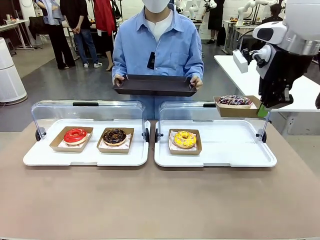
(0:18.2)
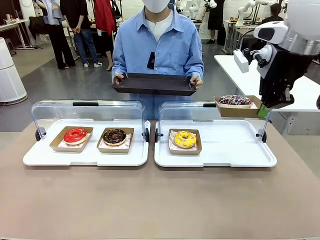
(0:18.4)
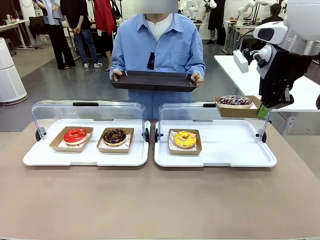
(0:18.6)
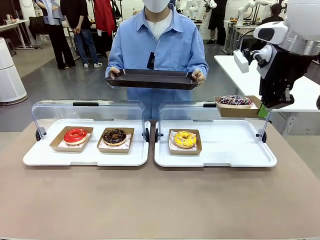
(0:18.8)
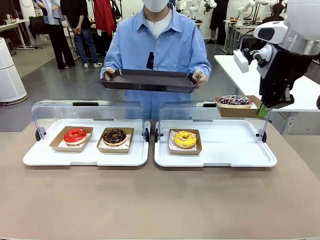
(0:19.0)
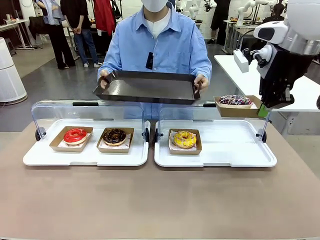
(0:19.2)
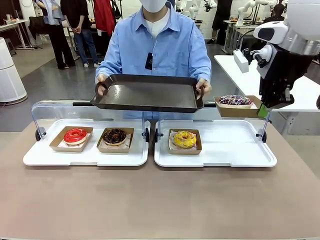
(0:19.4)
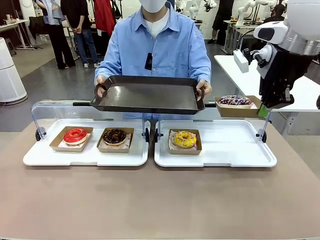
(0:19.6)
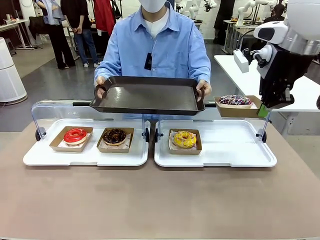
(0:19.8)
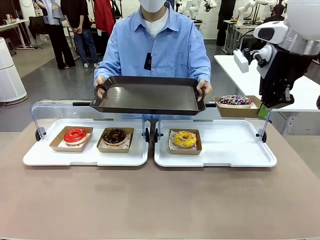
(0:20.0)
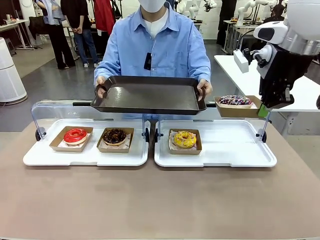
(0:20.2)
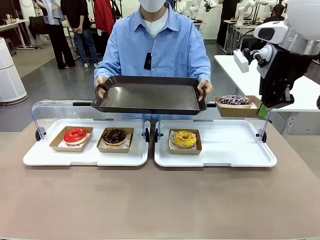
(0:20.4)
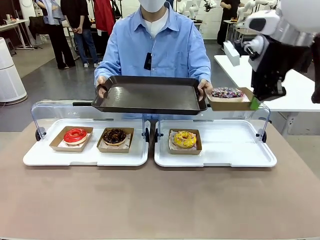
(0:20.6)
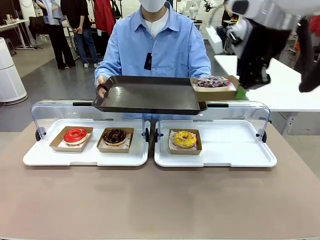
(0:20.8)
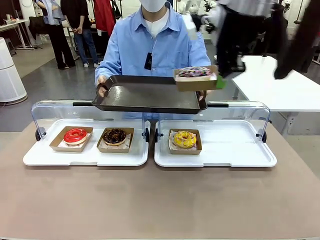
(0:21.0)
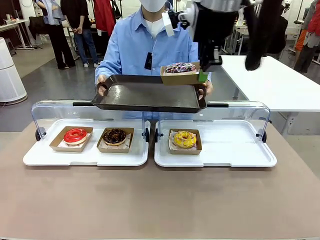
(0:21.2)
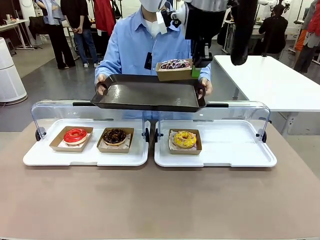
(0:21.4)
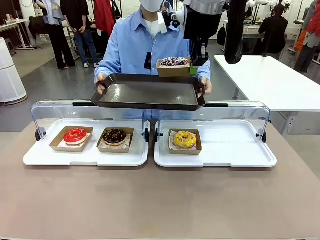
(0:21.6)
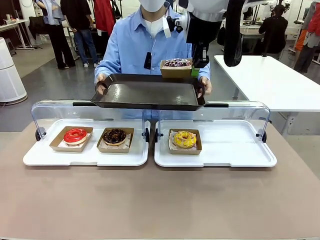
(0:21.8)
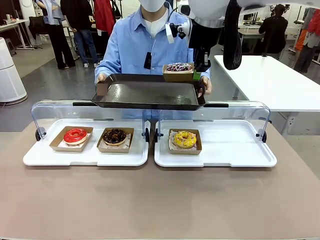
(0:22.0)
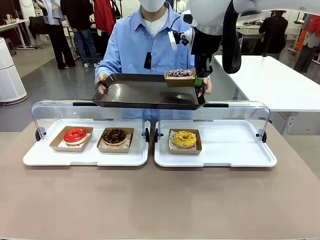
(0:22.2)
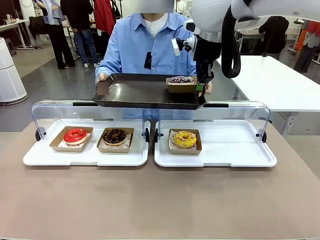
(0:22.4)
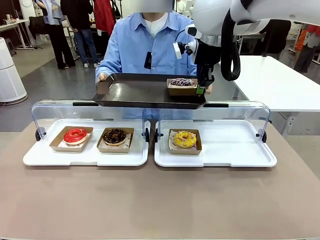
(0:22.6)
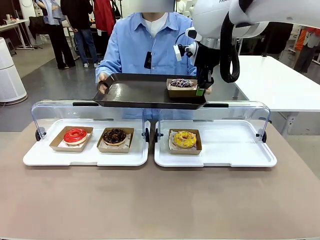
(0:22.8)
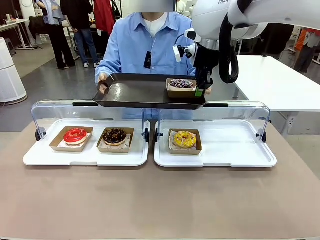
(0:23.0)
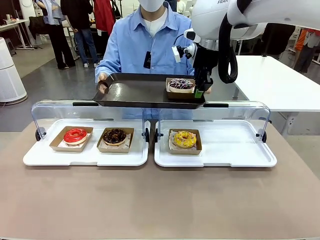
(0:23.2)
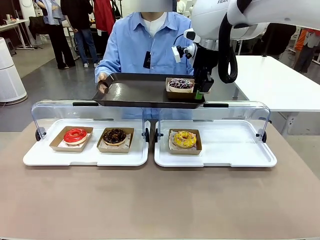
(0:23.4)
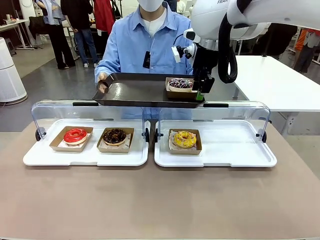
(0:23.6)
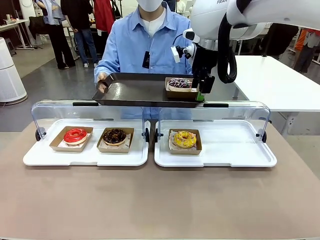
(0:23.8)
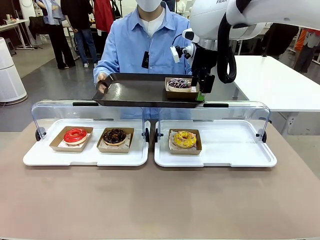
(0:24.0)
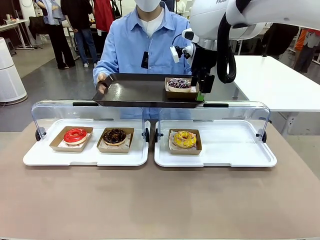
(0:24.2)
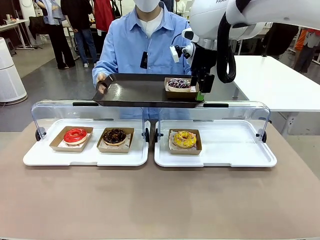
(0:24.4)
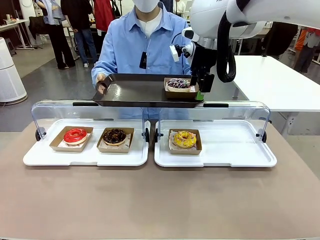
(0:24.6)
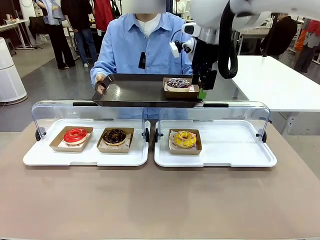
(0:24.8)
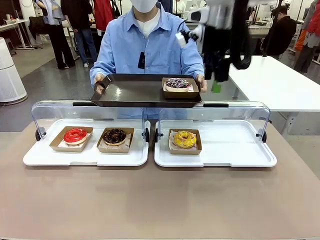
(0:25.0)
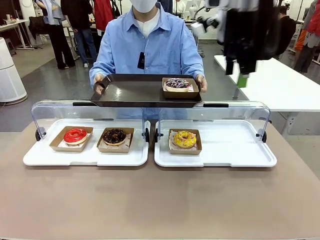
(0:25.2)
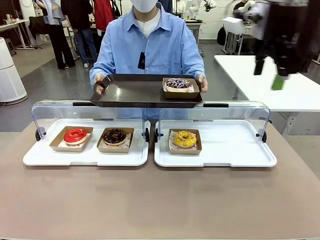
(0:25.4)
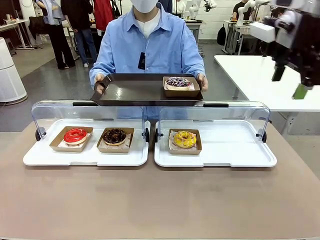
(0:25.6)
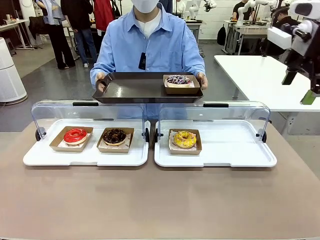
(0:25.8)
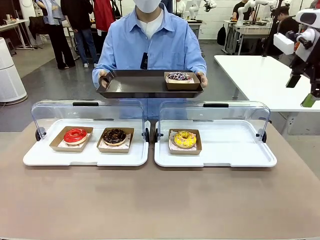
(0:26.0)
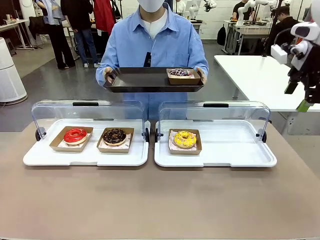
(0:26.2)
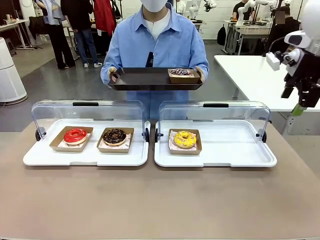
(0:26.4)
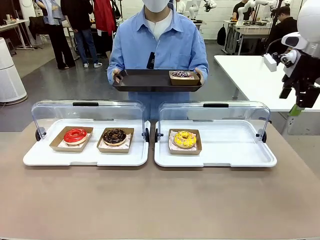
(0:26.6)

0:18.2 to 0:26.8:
Task: Provide the desired donut to the person.
Robot: Place the picked Paper togo box onto the Handle tray extended by the person.

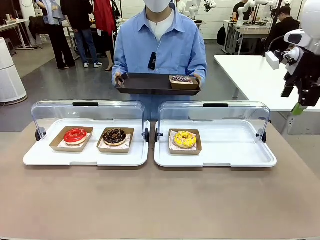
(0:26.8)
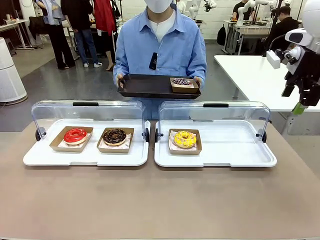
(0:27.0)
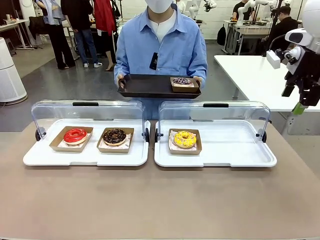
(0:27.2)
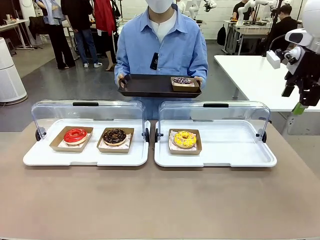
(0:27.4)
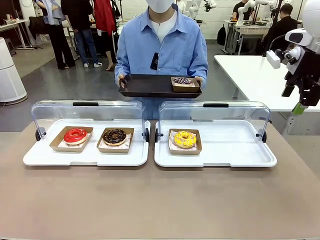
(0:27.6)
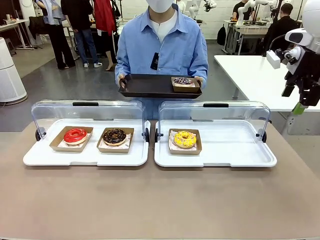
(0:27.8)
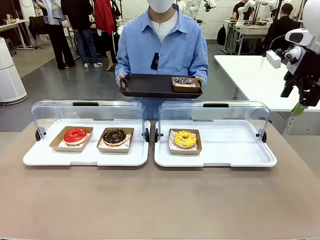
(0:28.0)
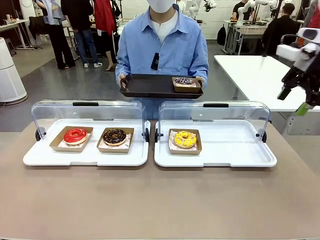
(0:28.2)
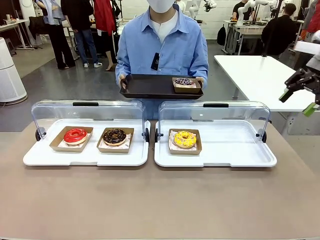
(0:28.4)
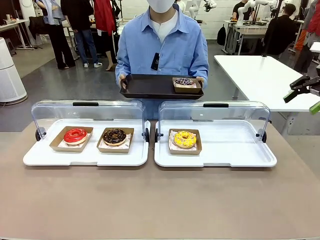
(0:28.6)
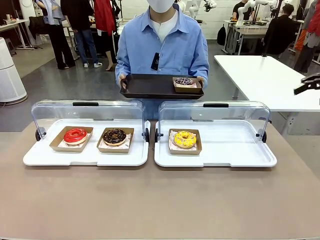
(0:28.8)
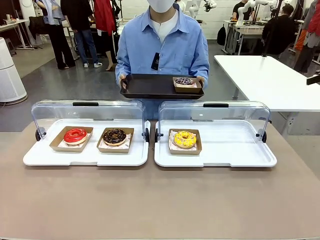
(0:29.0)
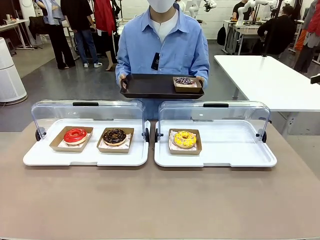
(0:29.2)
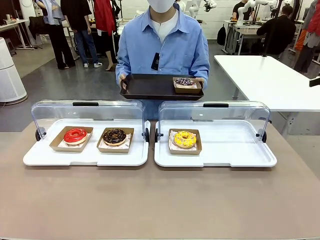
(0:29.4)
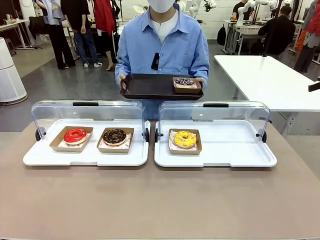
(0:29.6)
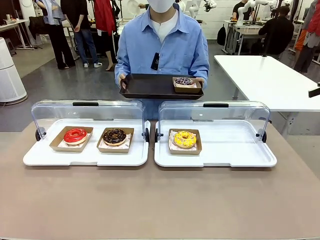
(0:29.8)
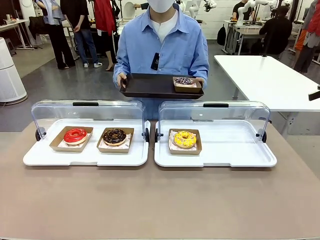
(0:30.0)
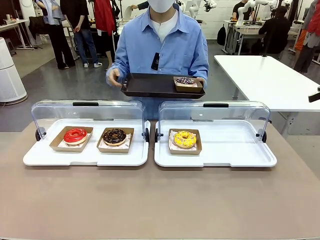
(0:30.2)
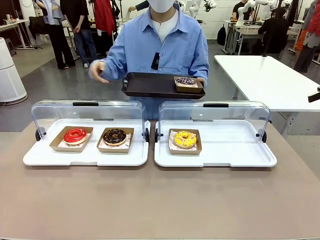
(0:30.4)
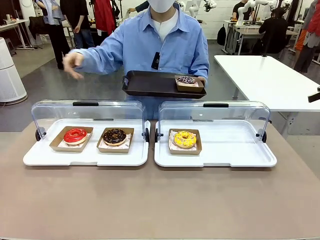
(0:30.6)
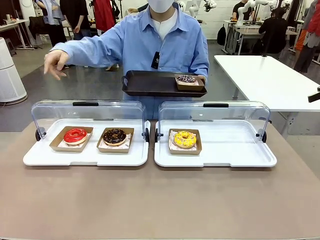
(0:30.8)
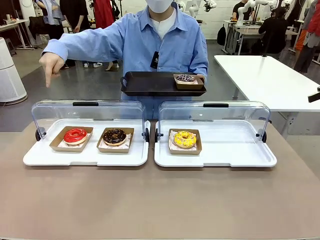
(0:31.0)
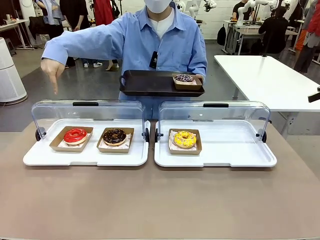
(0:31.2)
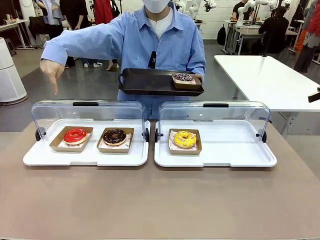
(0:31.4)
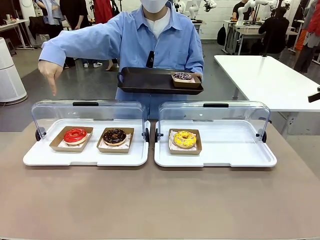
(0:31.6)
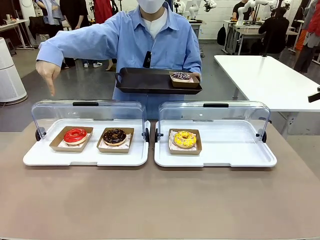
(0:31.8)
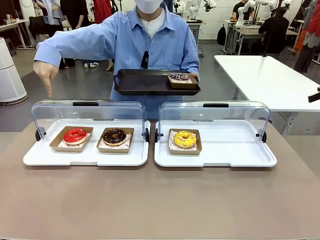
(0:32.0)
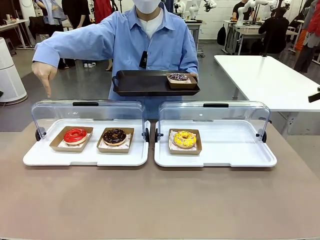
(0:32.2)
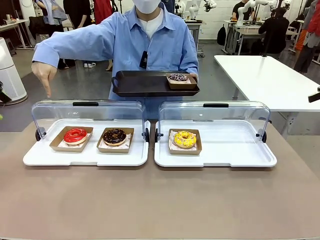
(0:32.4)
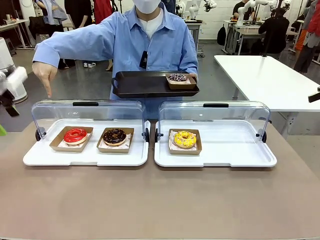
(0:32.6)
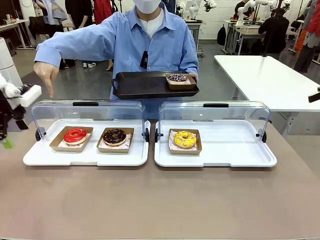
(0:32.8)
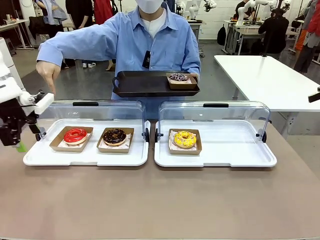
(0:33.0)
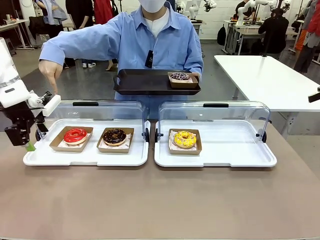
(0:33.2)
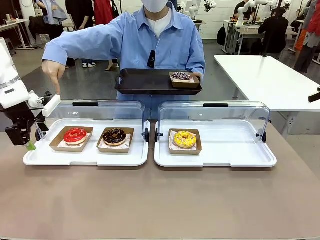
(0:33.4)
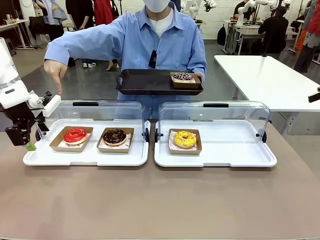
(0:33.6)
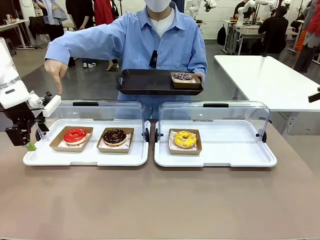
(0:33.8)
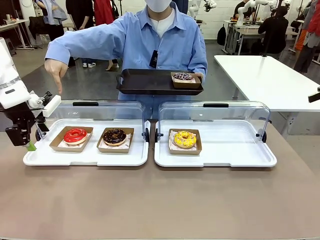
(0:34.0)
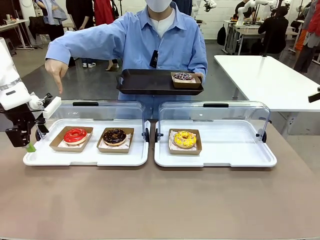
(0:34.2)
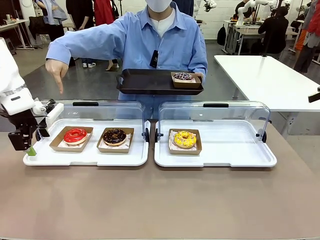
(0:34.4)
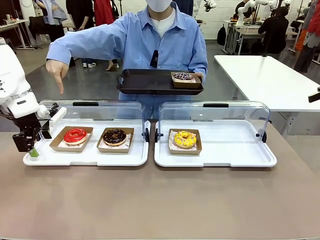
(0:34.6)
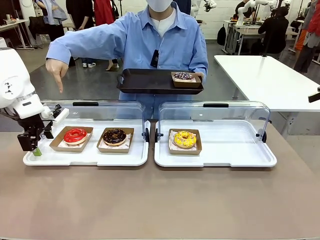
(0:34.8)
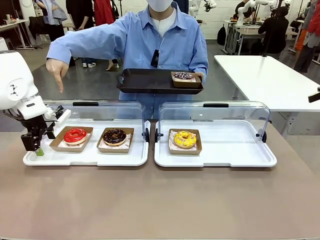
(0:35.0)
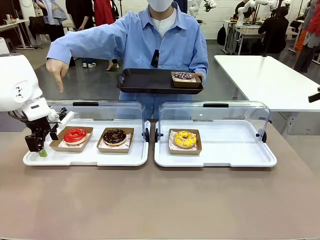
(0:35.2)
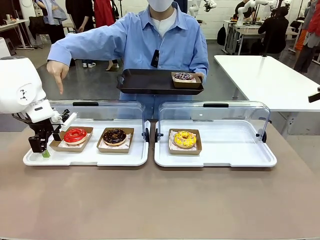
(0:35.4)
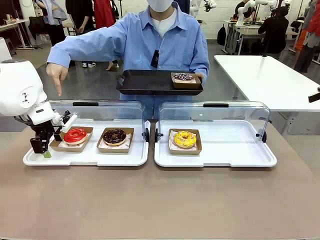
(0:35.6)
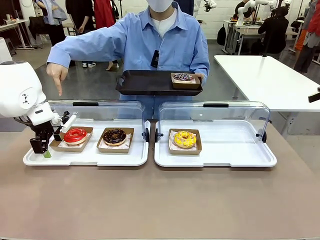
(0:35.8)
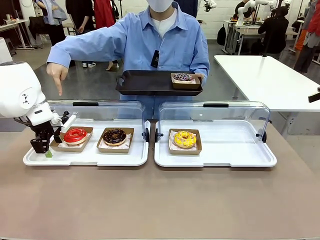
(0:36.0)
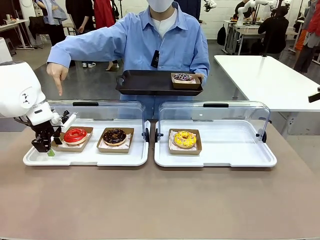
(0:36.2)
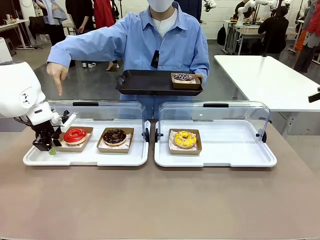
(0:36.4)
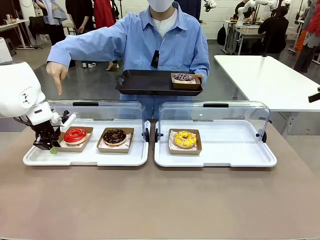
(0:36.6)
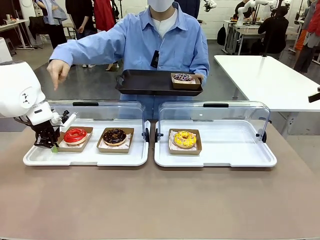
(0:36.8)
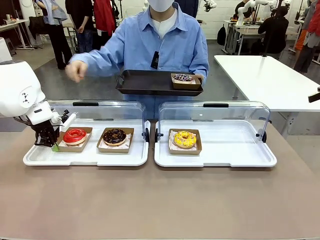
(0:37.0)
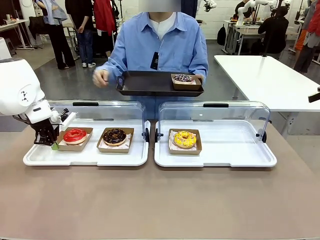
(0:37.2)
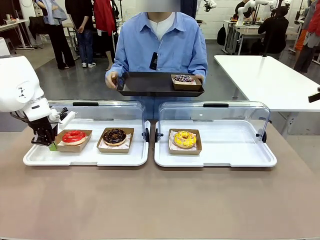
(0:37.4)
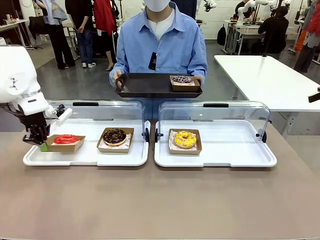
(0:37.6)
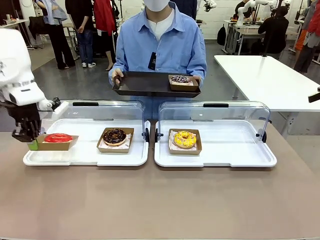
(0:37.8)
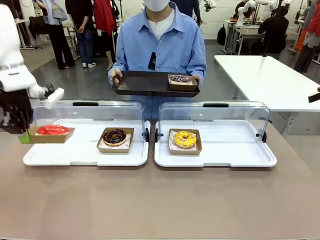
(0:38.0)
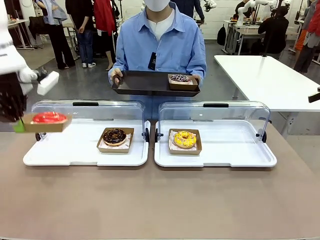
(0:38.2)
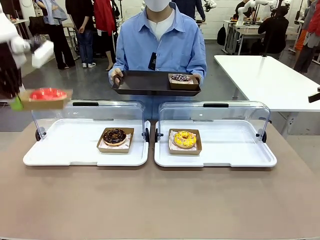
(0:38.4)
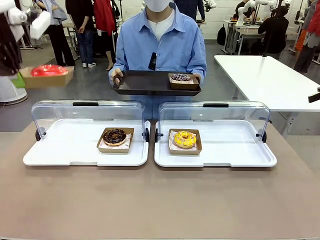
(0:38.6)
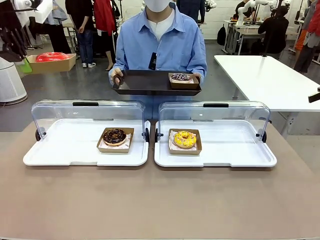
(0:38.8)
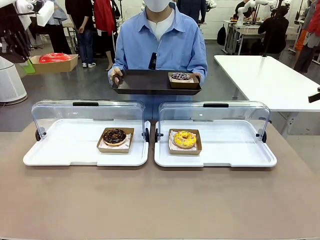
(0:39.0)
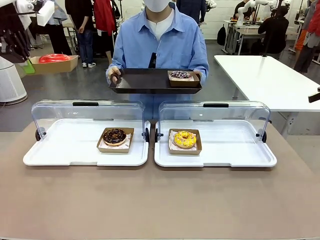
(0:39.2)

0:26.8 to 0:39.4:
Robot: Pick up and lift the Paper togo box containing the Donut pointed at by the person.
Person: Point to one donut. Lift the tray onto the Roll-Top Bakery Case.
